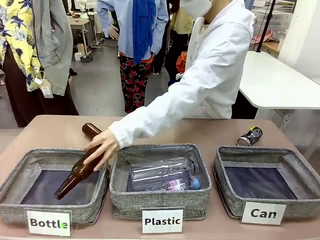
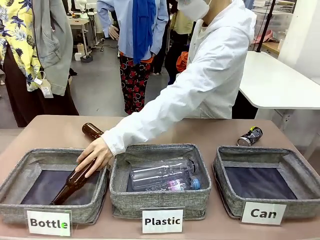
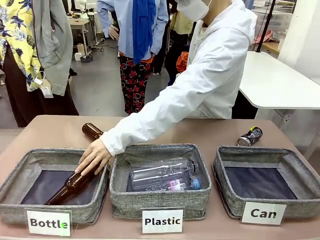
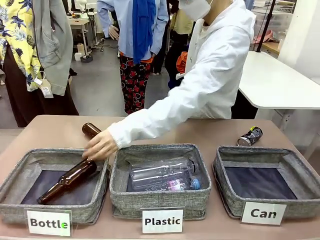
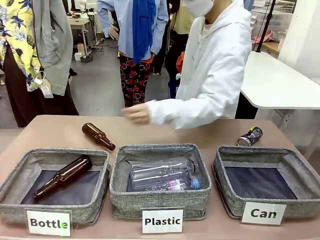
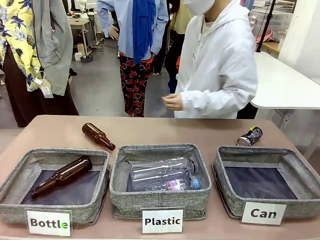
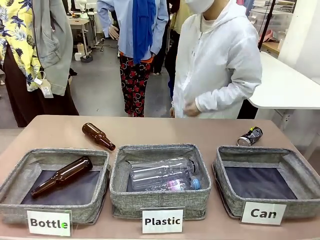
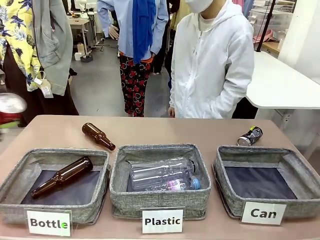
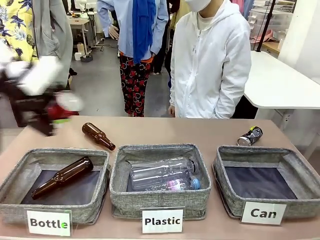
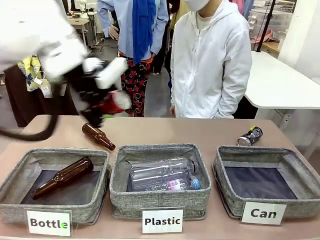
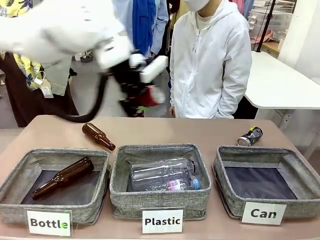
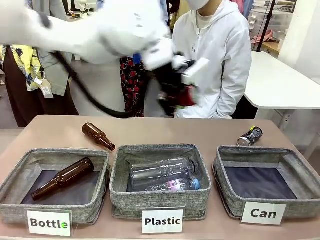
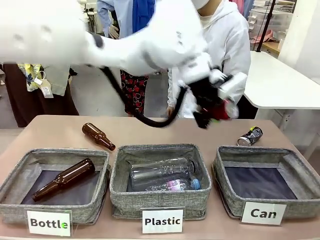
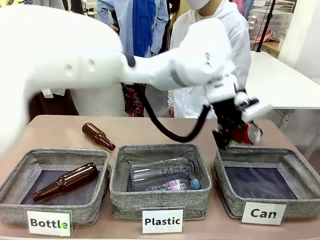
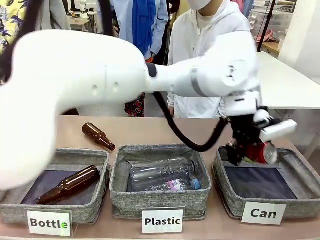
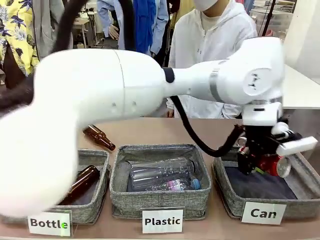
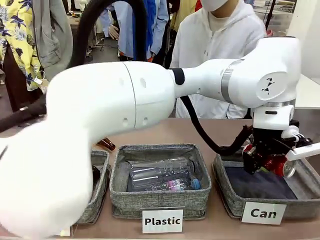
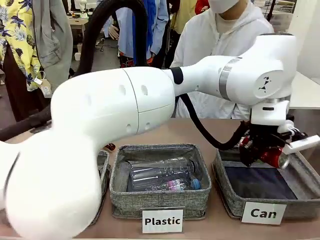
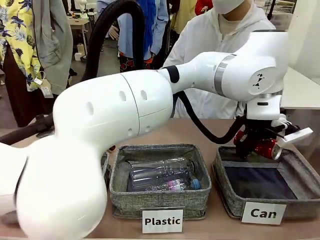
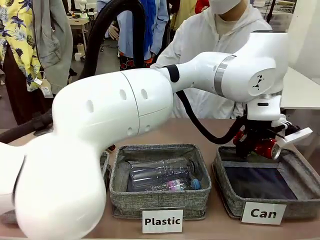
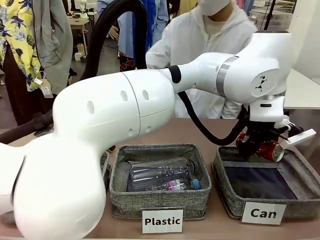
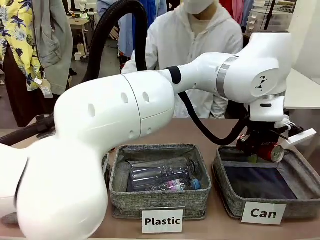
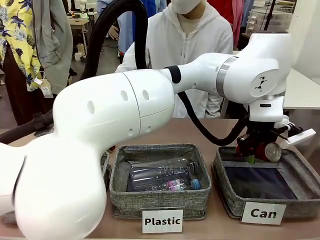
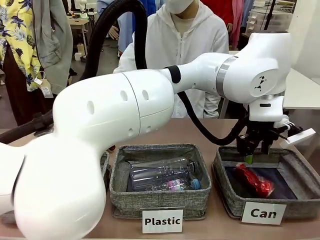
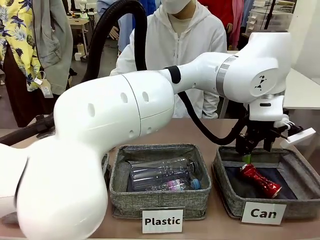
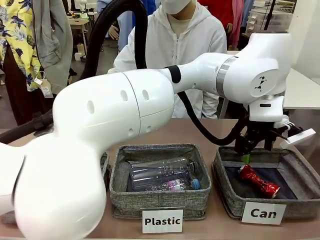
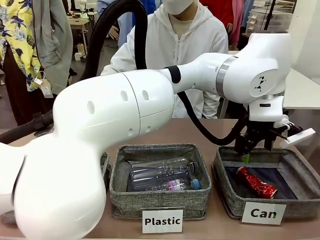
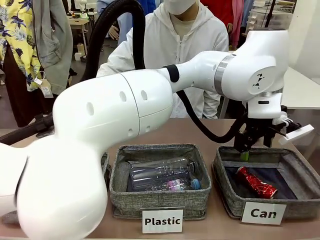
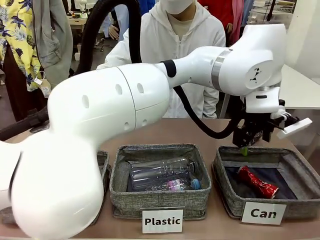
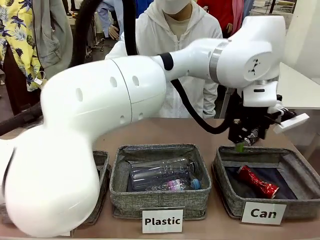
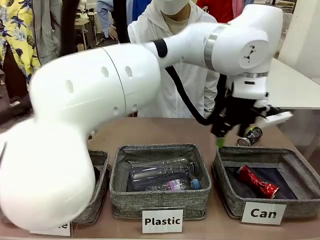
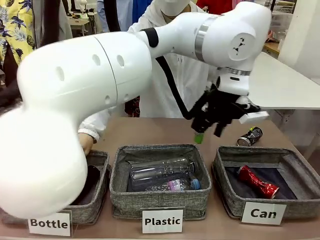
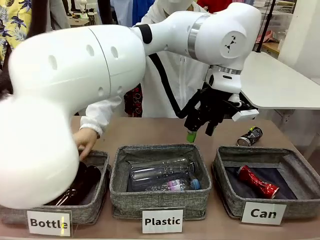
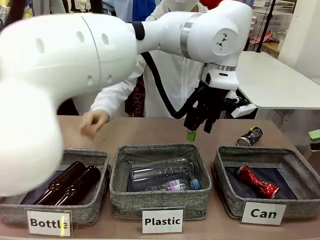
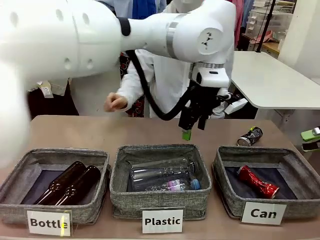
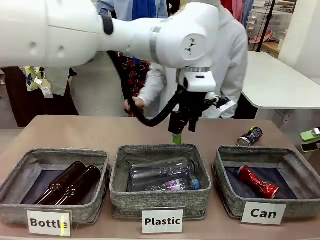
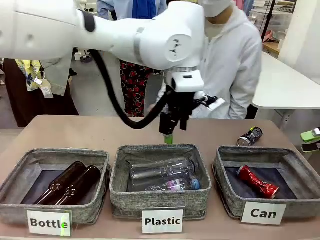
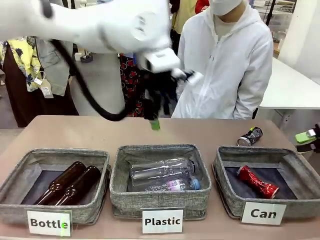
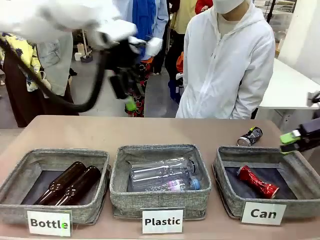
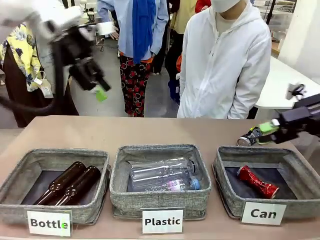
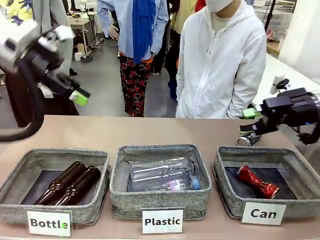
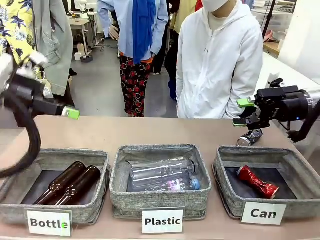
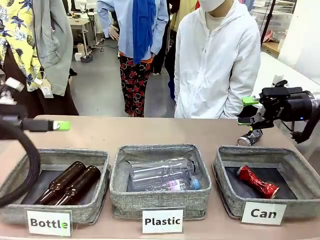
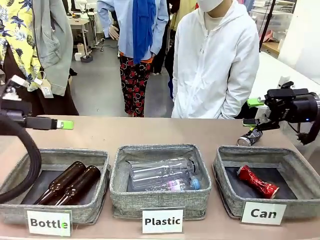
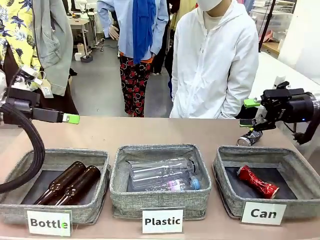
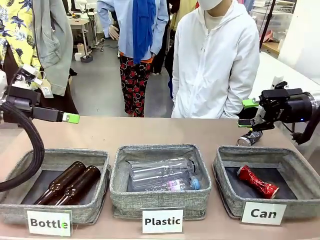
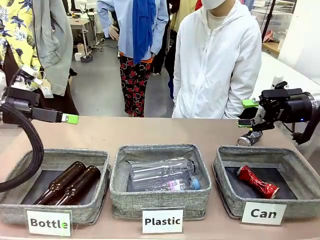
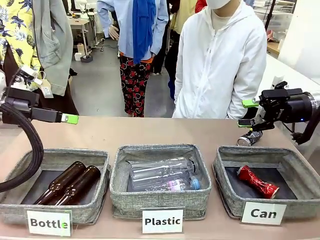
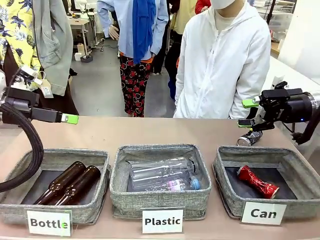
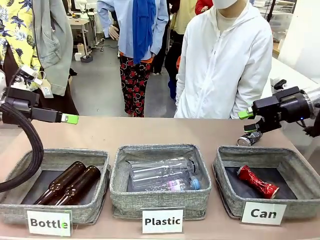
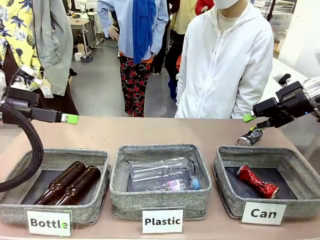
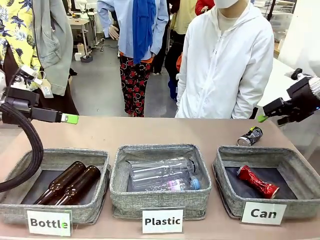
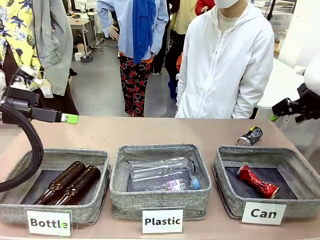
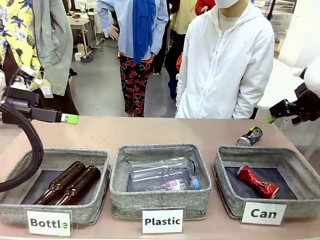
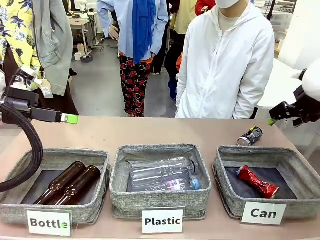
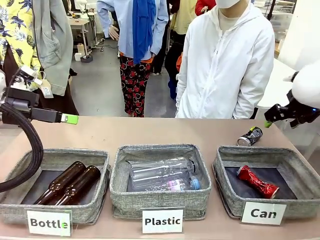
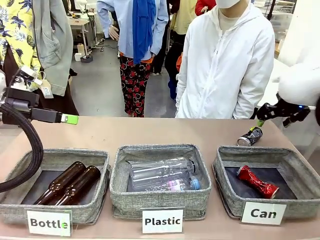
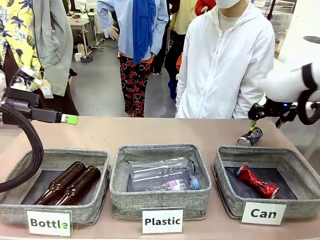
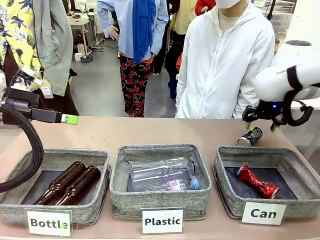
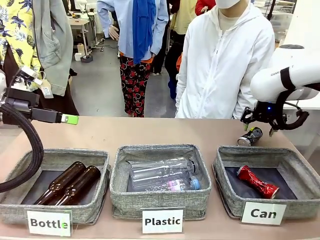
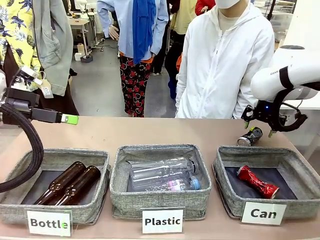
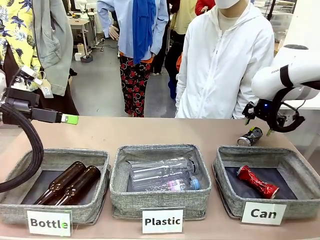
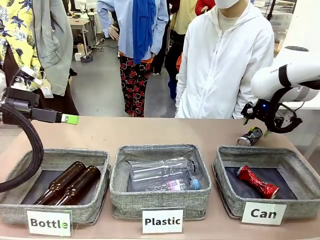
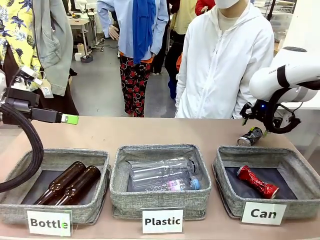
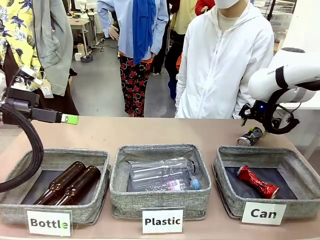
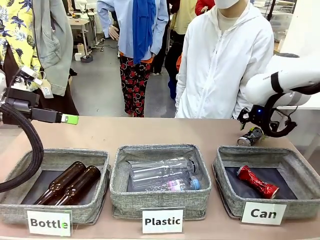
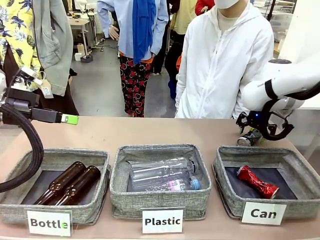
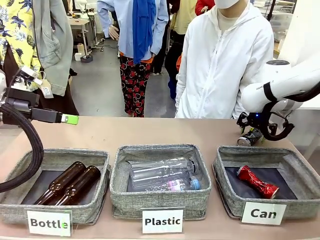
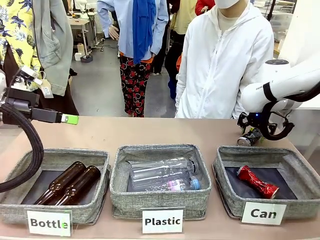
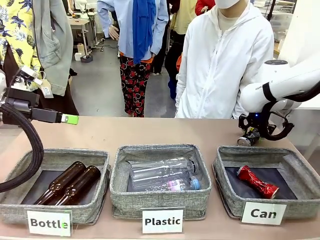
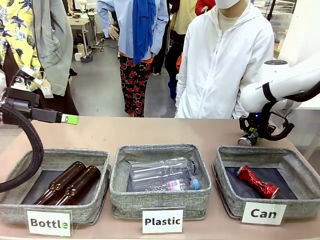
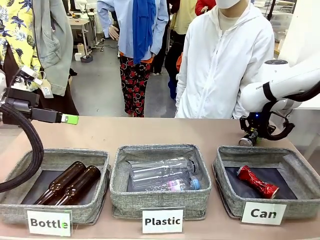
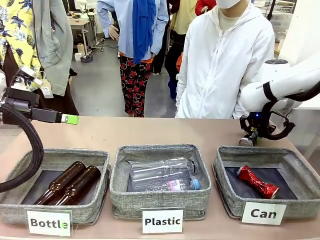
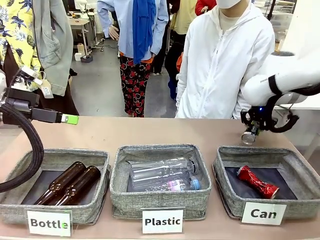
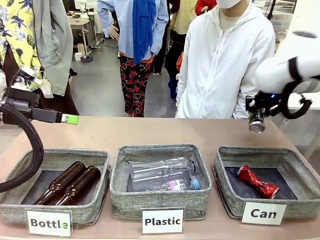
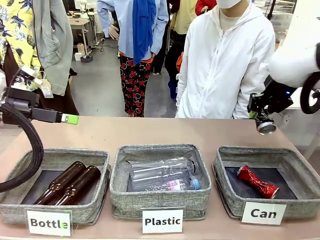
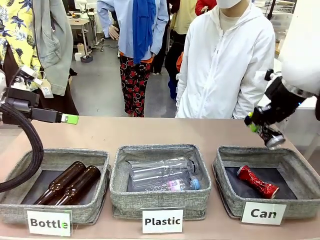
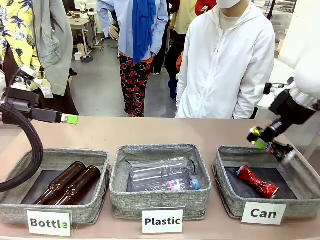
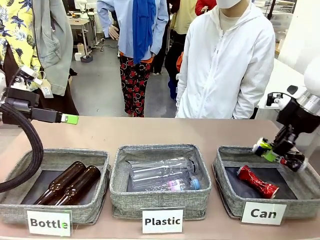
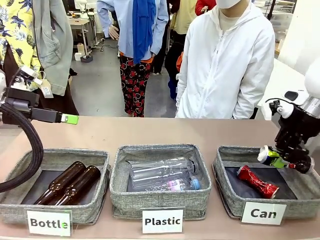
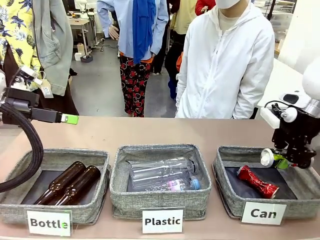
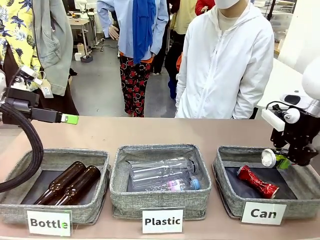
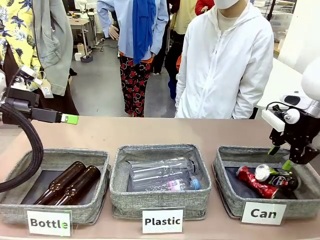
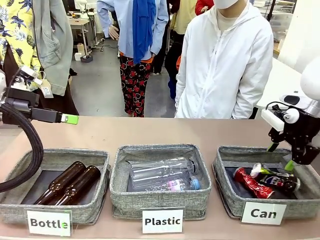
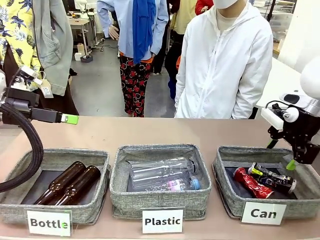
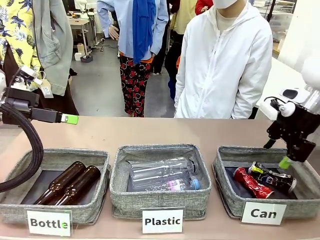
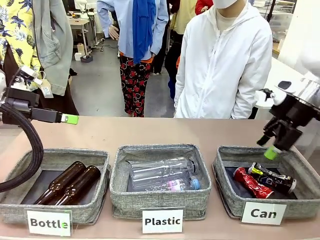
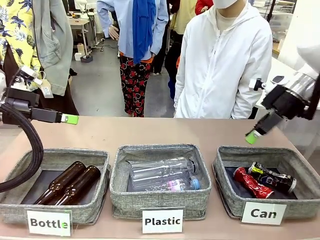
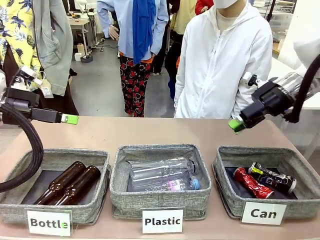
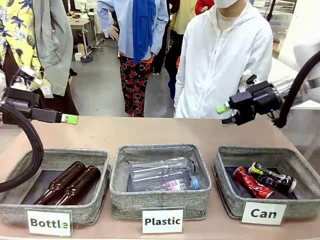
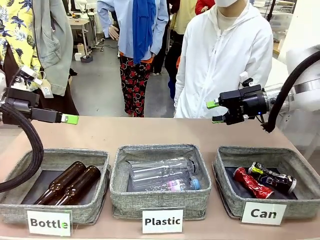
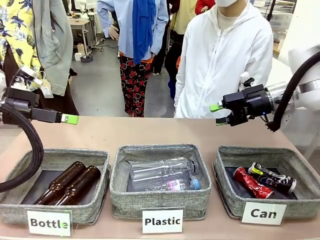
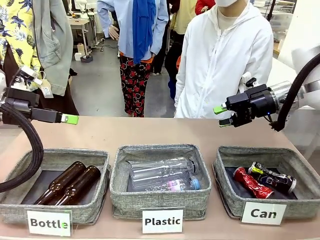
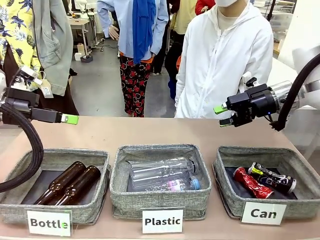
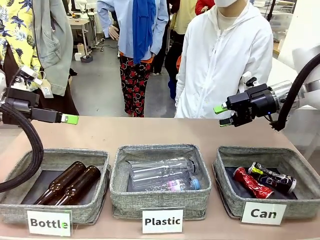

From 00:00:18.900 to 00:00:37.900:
Task: Sort the can waste into the basket.
Robot: Pick up the can waste from the table and place it in the right Fabric basket.
Person: The human picks up one piece of trash that is not a can and places the trash into the appropriate organizing basket.
